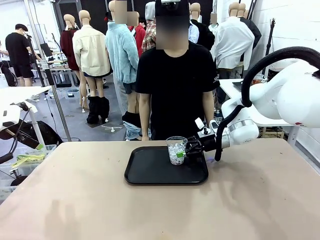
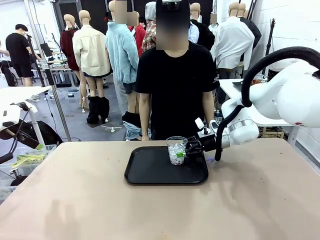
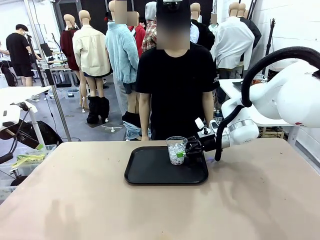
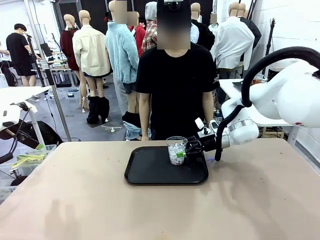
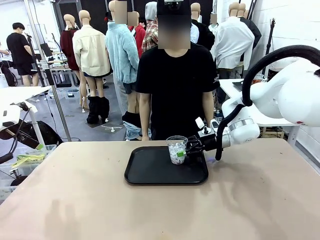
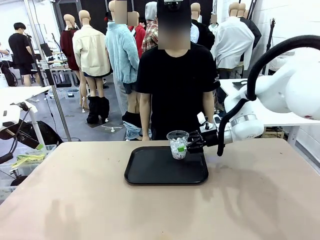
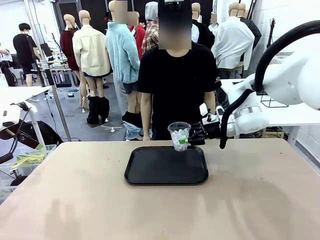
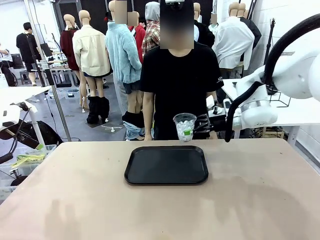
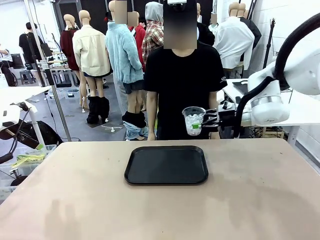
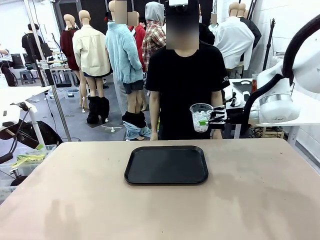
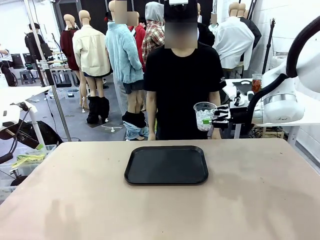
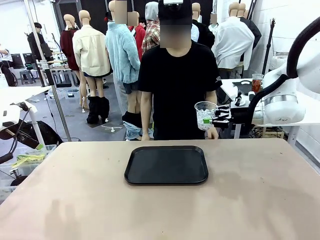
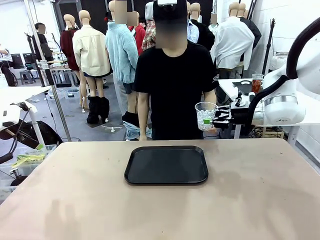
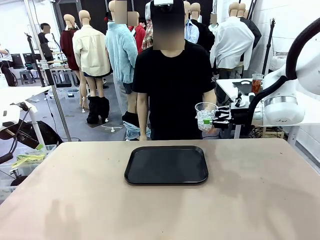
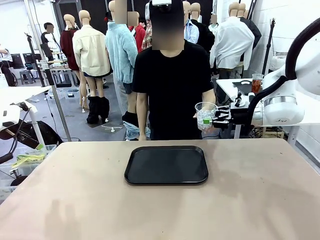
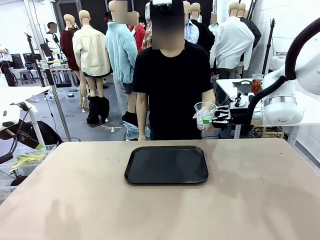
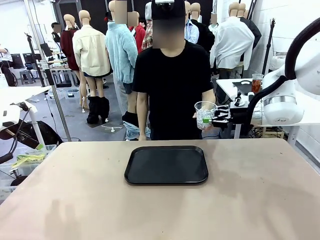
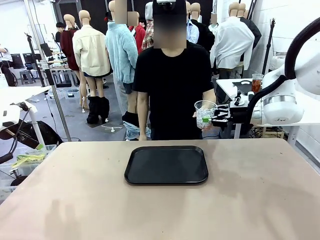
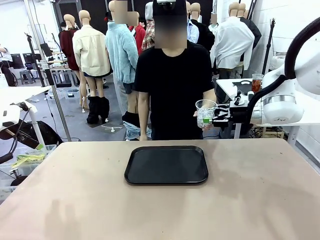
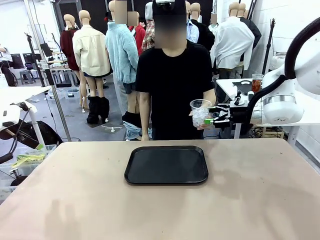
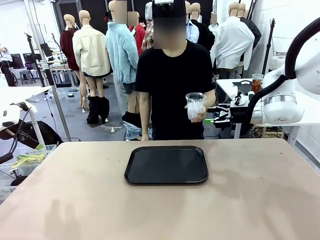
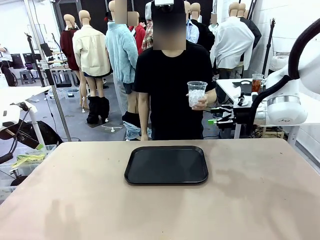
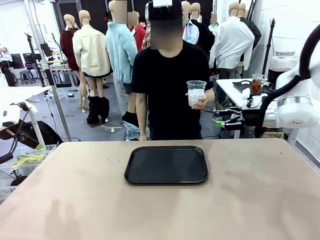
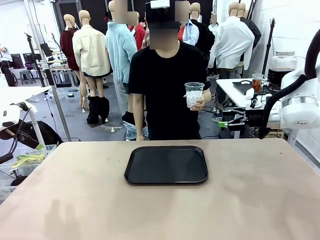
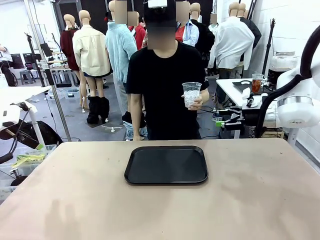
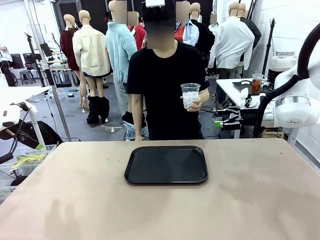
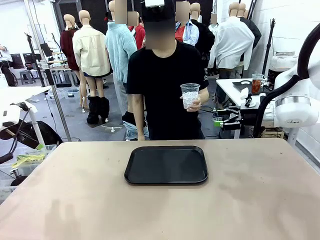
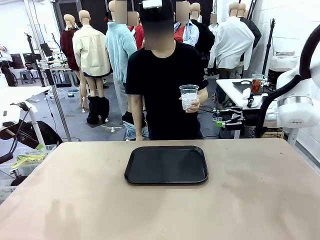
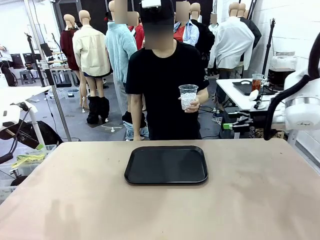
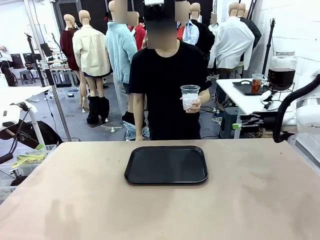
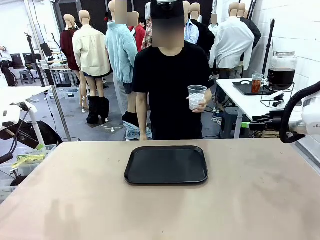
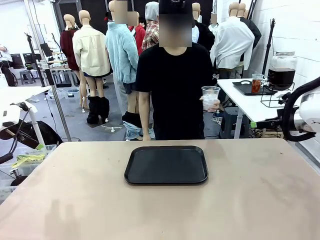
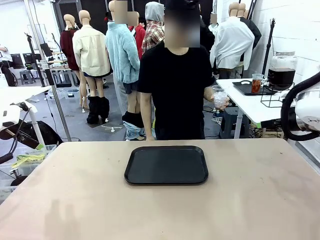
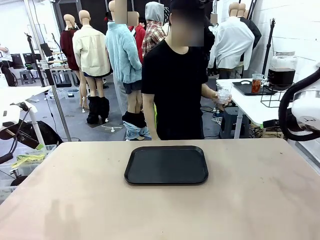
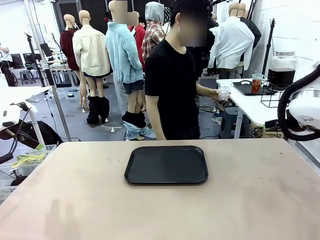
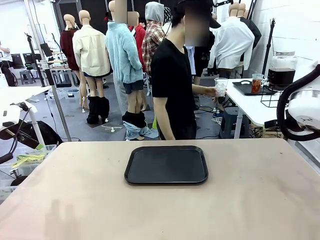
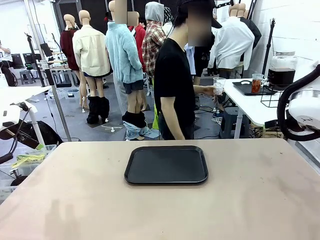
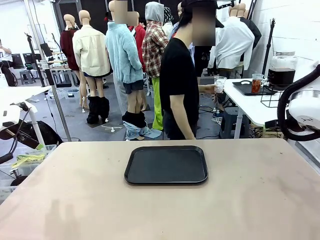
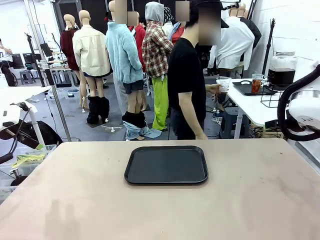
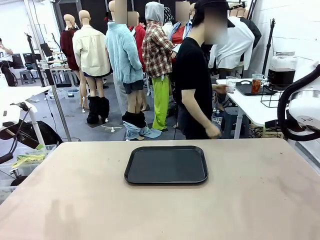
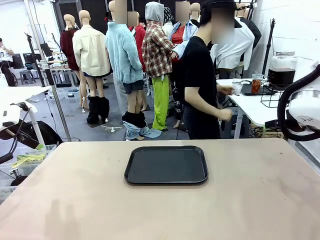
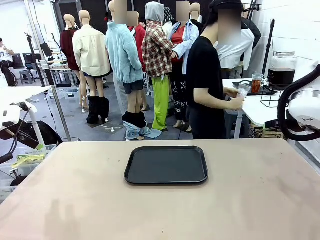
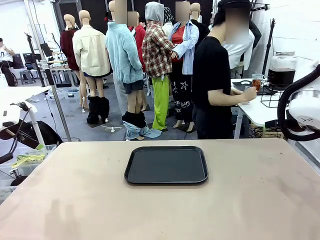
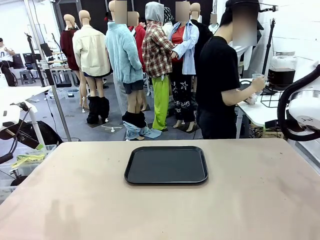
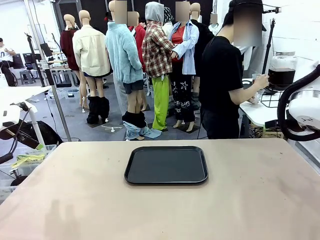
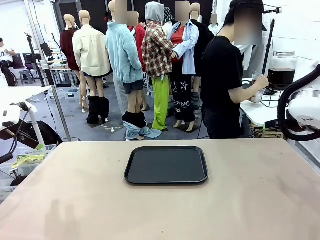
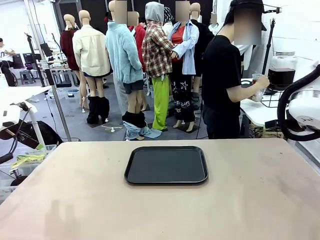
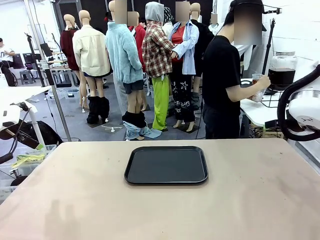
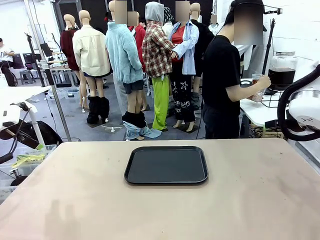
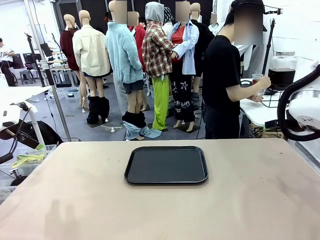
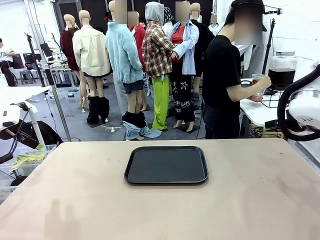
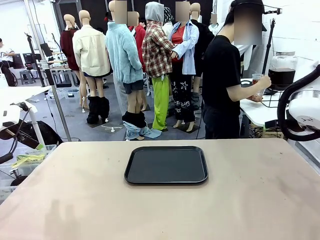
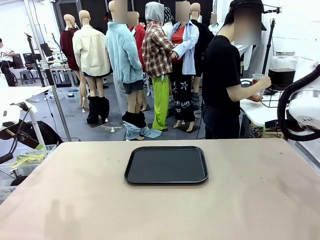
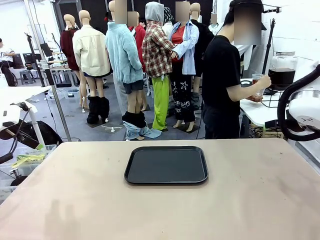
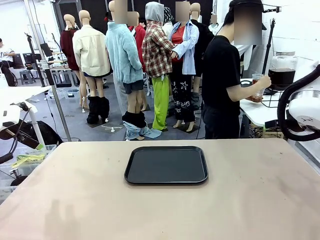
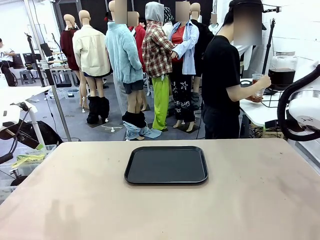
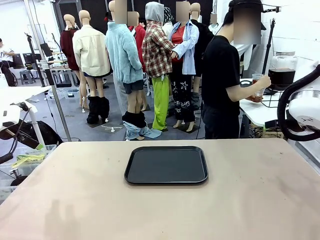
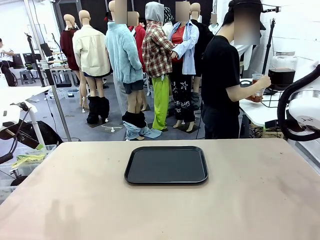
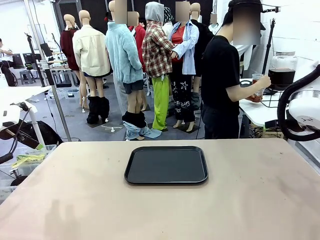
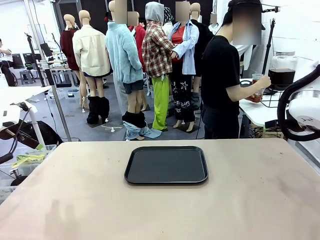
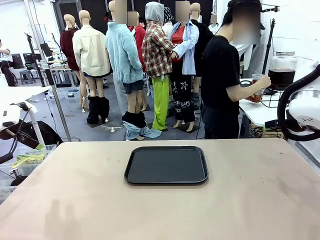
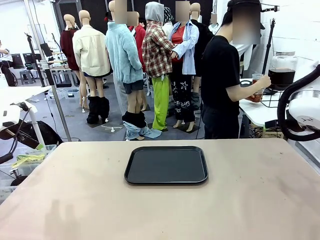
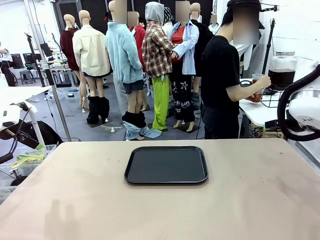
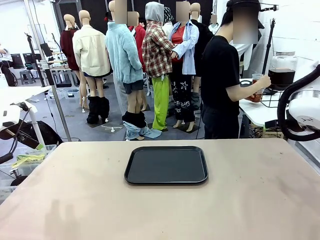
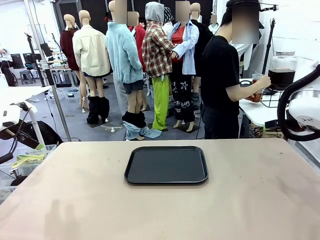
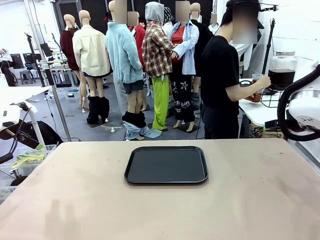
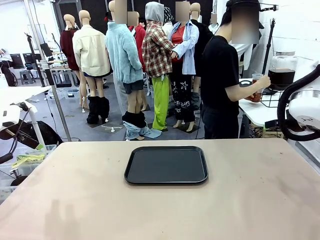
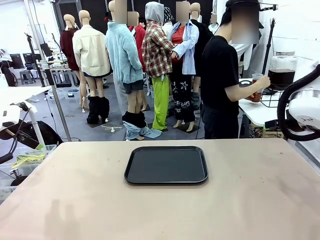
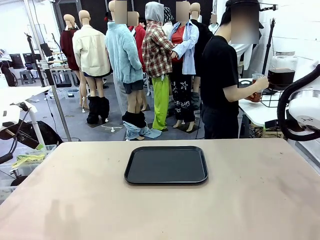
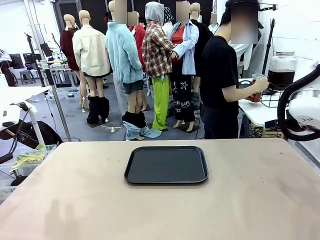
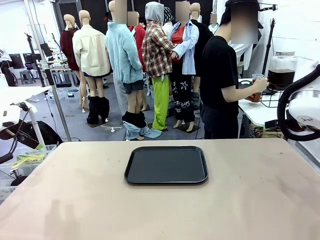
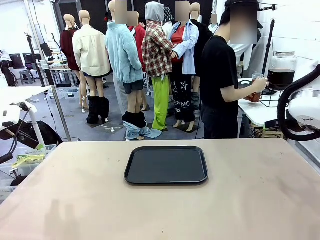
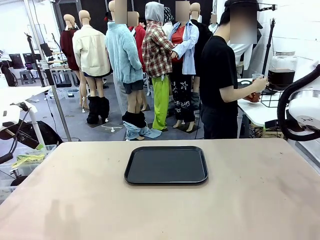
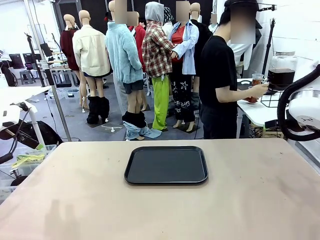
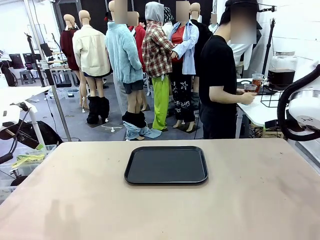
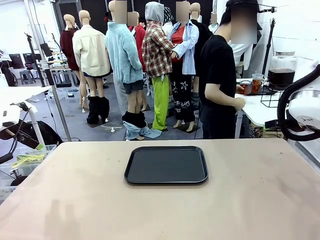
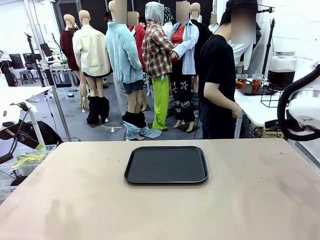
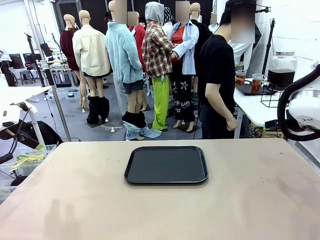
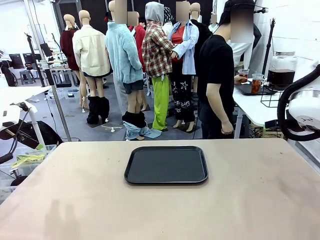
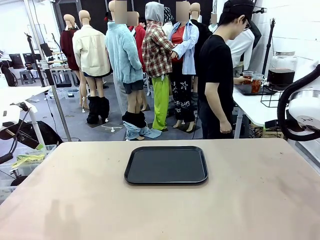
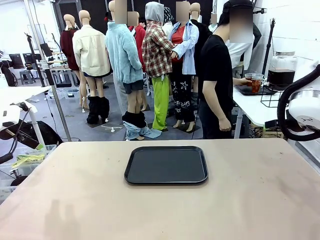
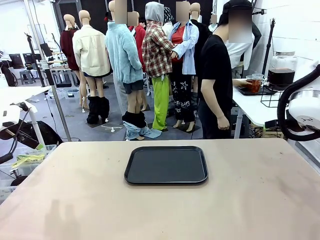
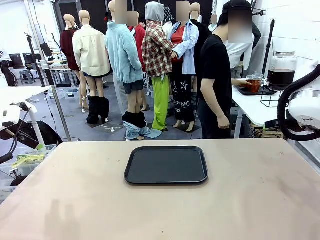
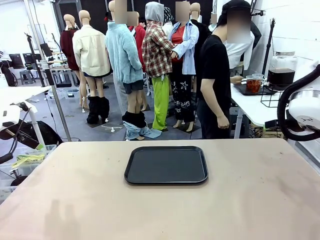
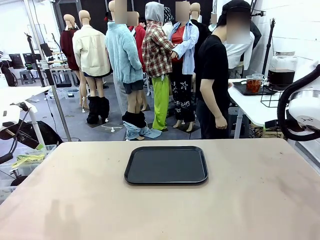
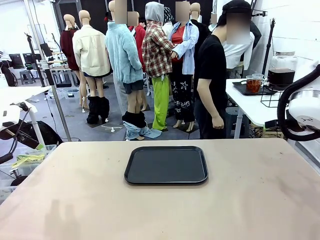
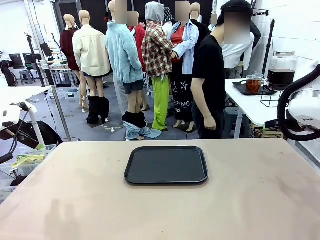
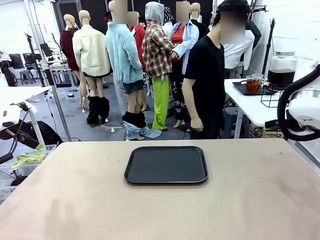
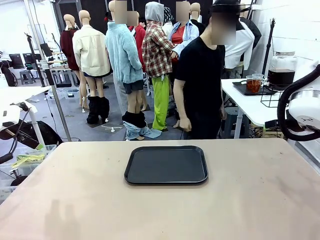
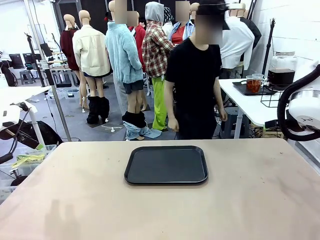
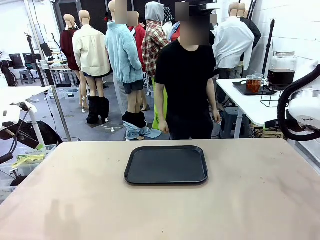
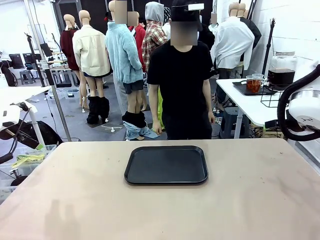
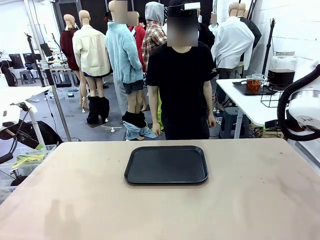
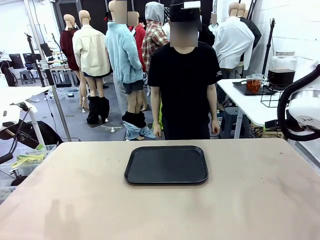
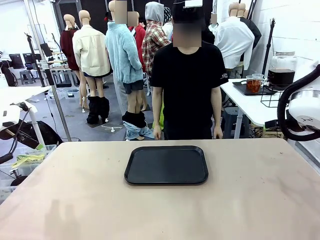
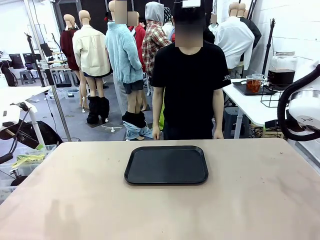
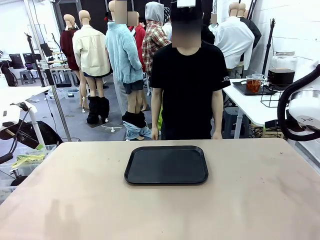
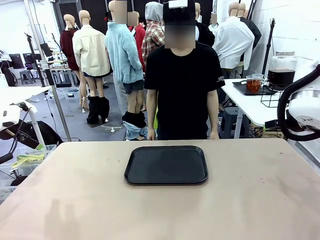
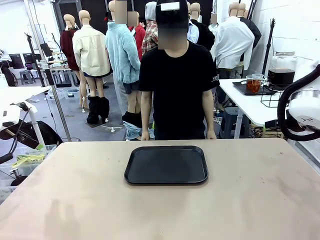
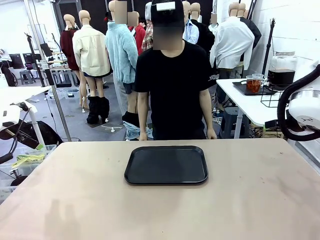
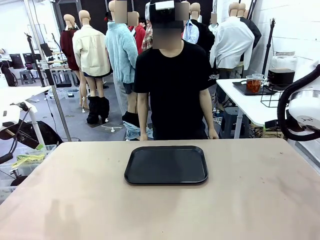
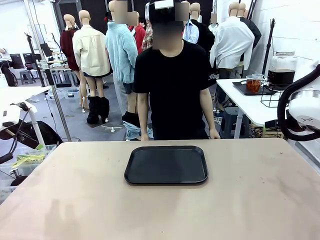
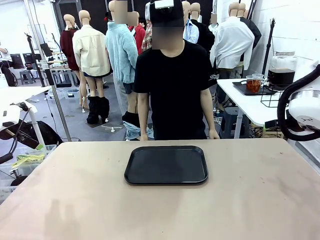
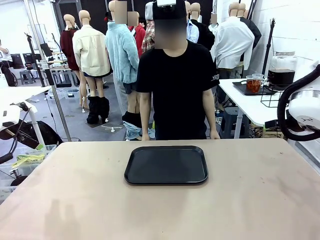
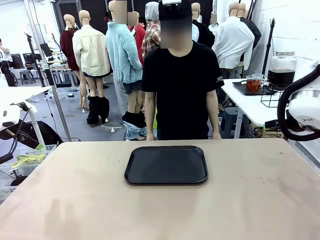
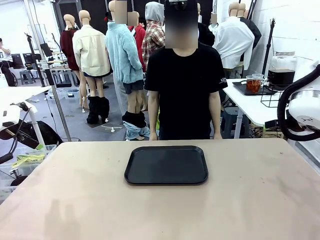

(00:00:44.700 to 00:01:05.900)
Task: Pour the drink into the iced cup.
Robot: Open the gripper to release the iced cup you were holding.
Person: Move the picked-up cup under the dispenser faucet, pour the drink, and place it on the tray on the human table.
